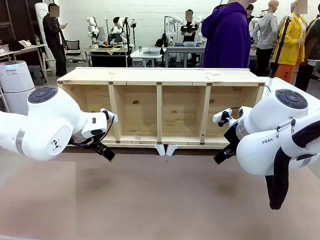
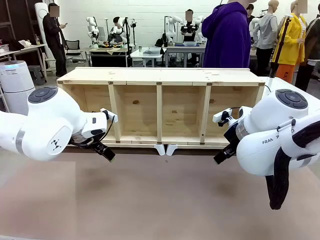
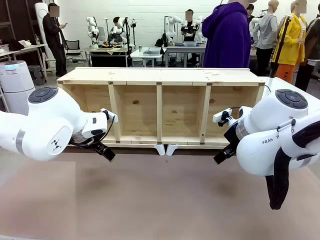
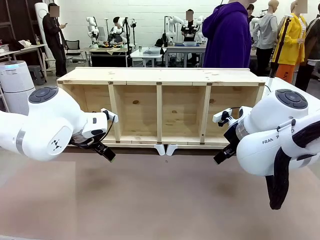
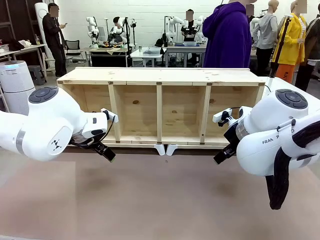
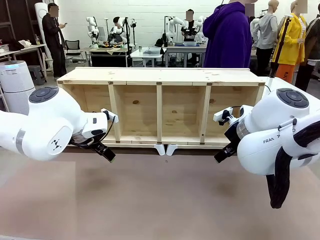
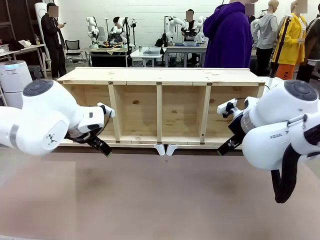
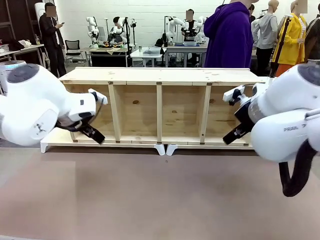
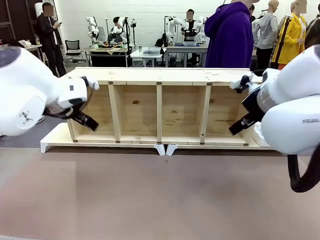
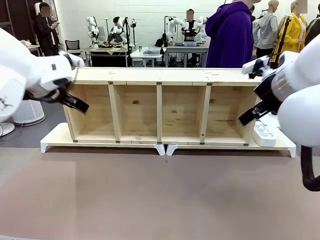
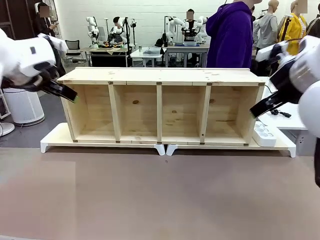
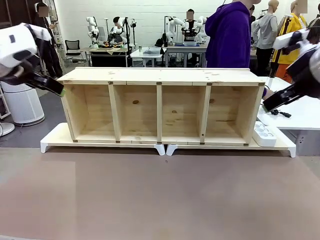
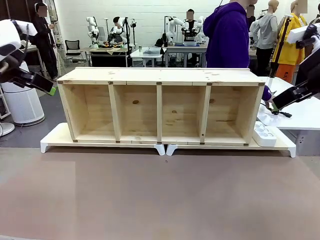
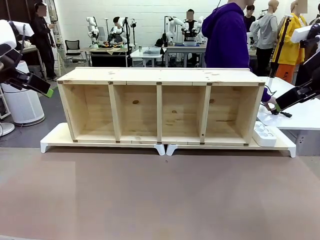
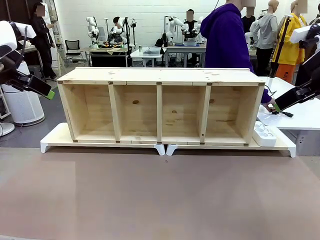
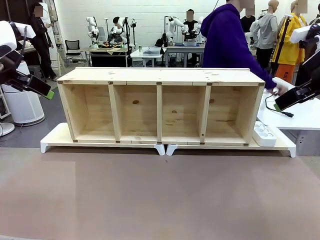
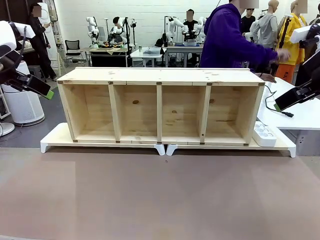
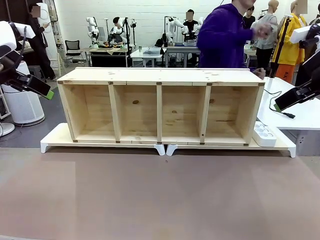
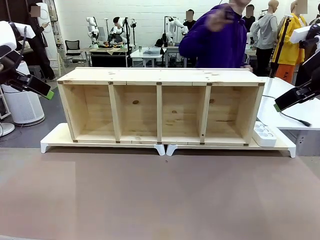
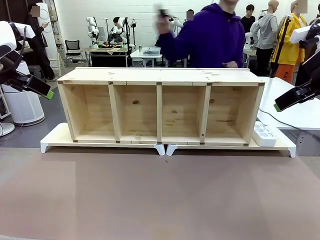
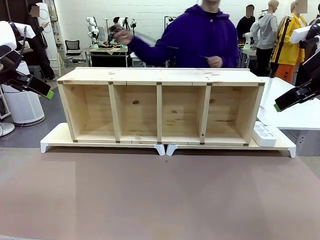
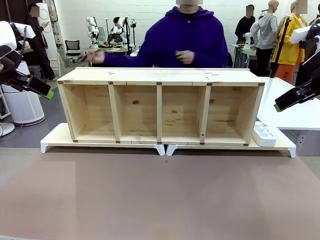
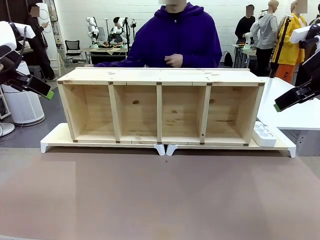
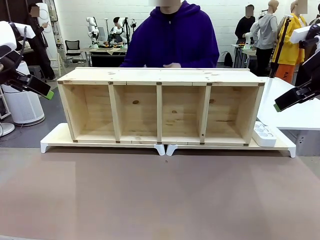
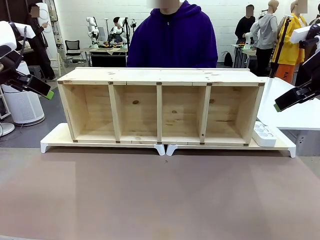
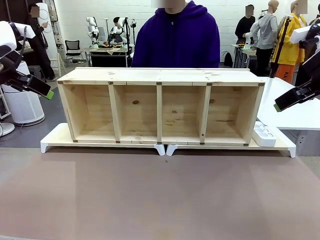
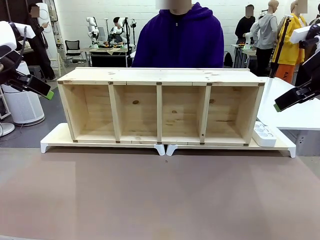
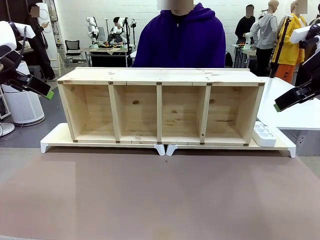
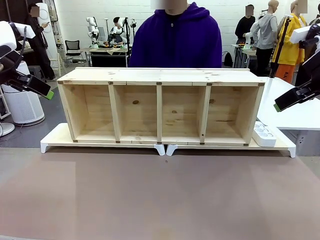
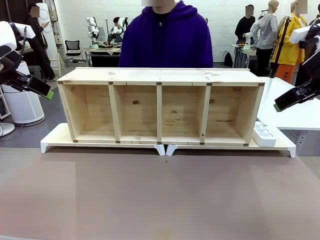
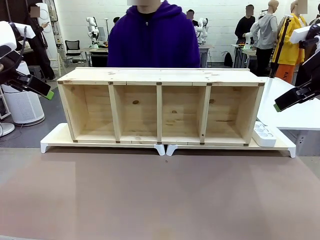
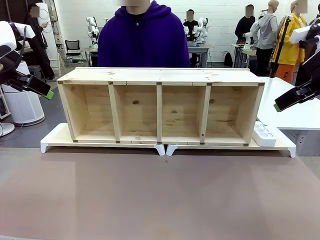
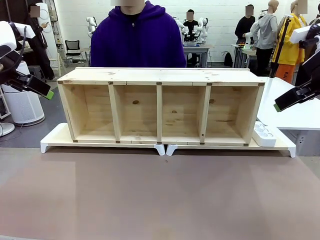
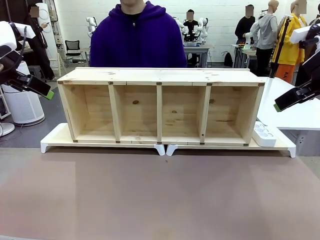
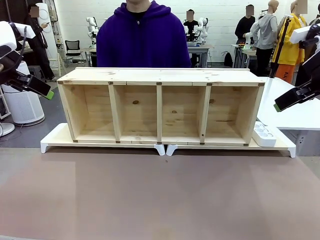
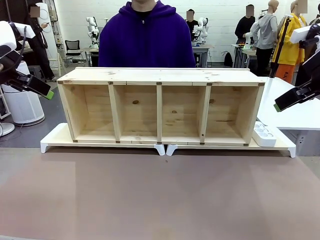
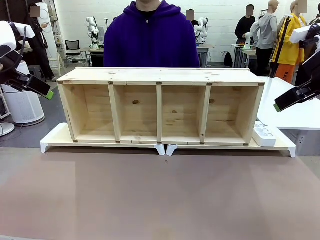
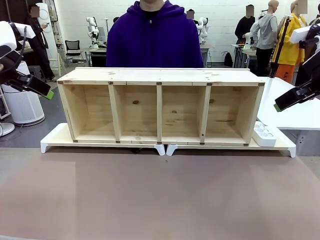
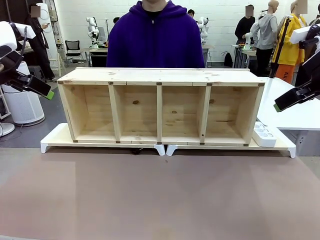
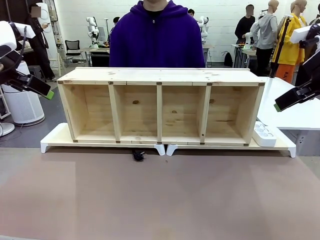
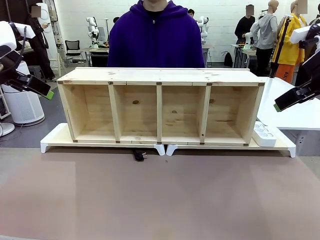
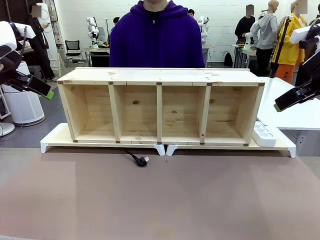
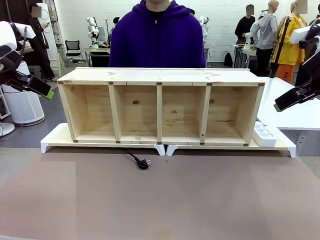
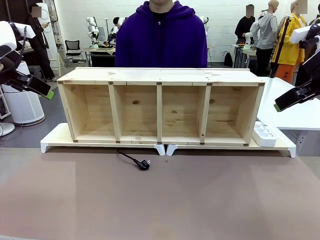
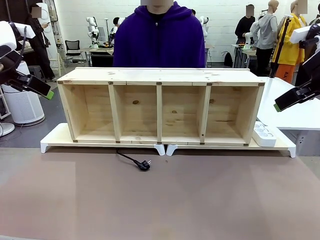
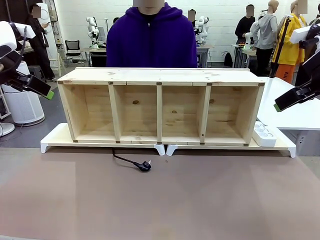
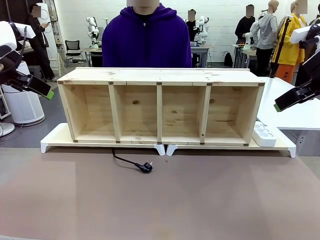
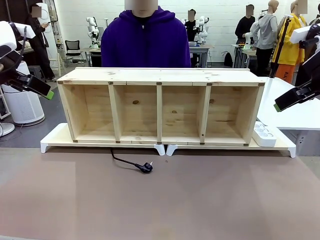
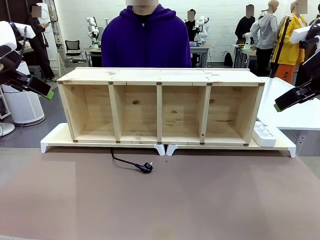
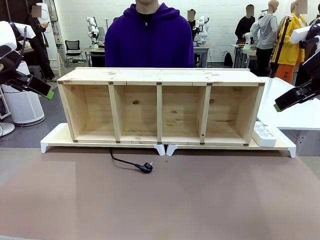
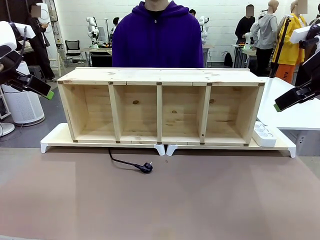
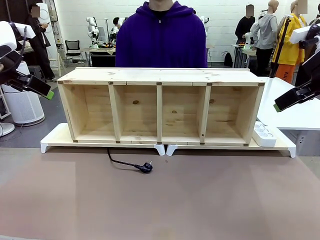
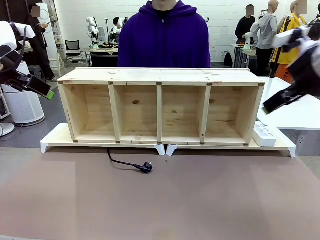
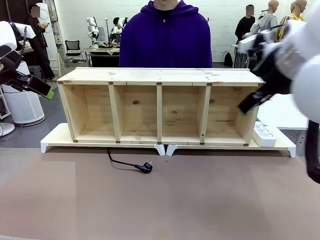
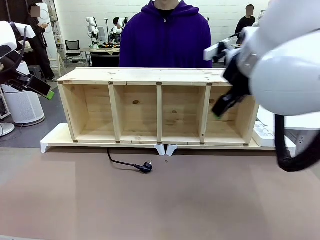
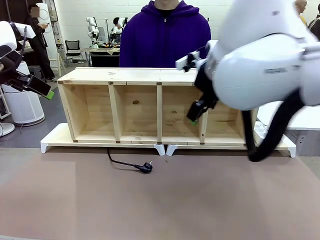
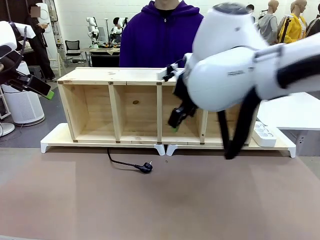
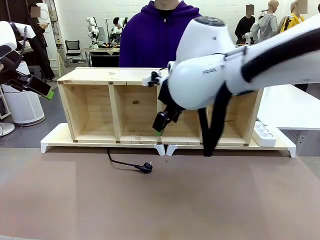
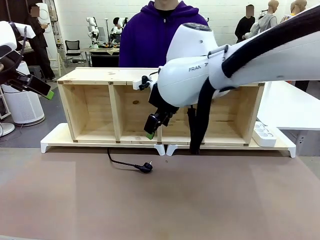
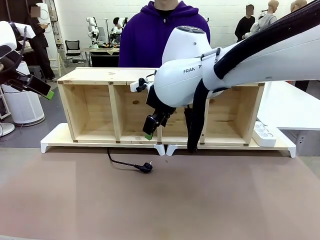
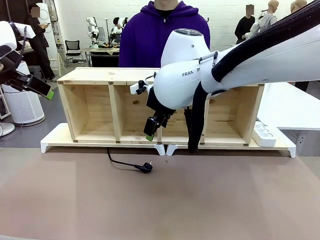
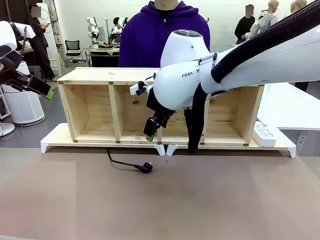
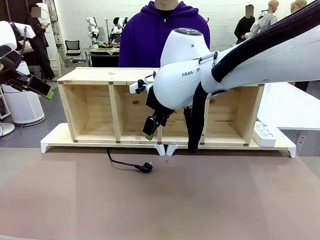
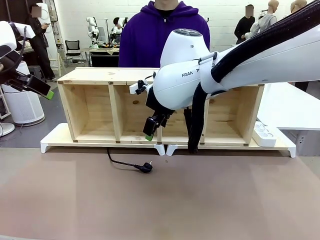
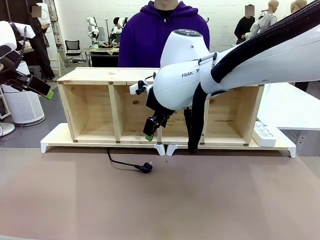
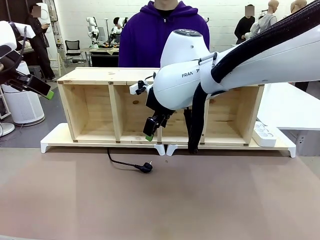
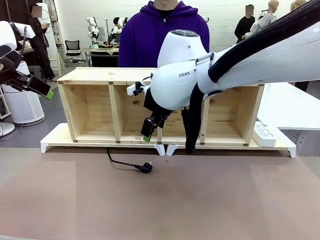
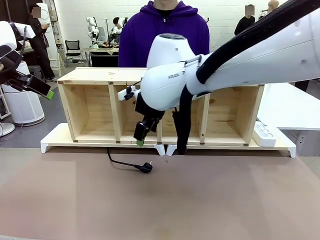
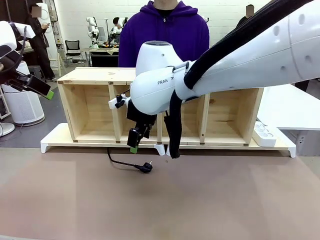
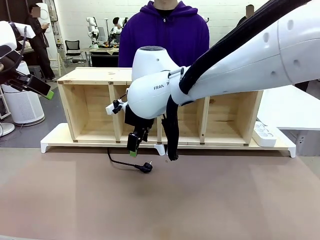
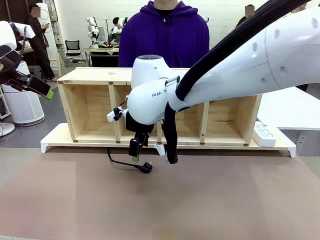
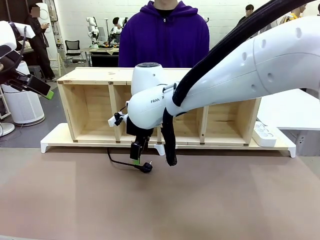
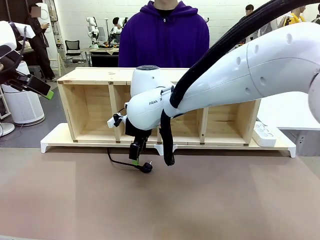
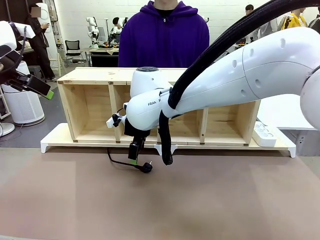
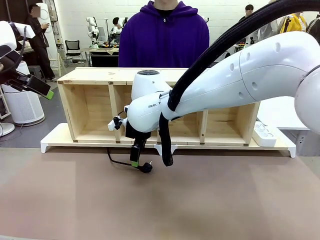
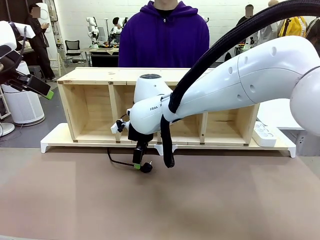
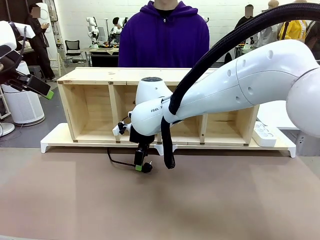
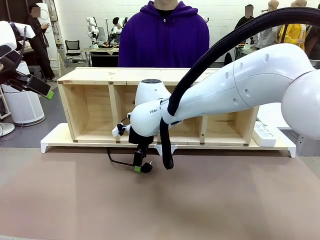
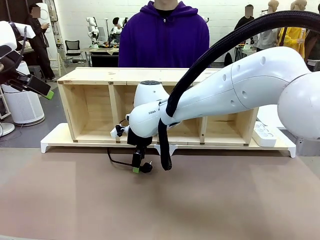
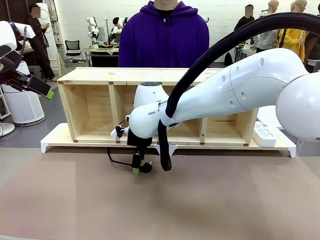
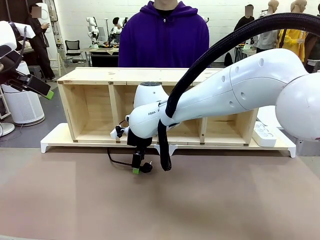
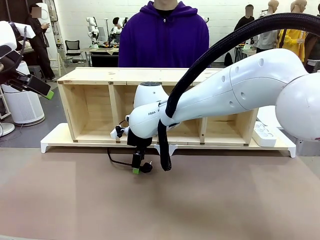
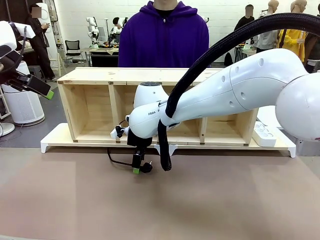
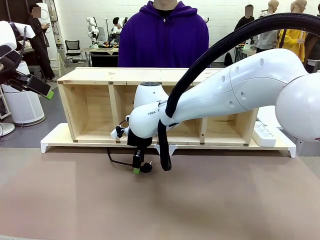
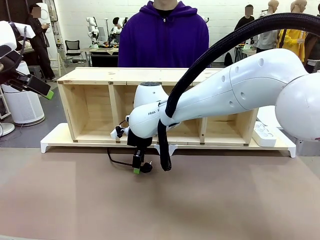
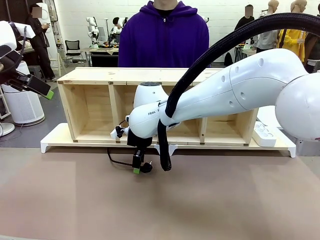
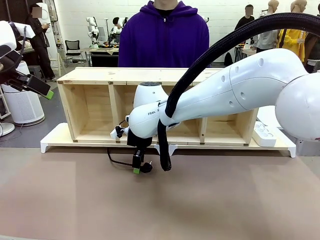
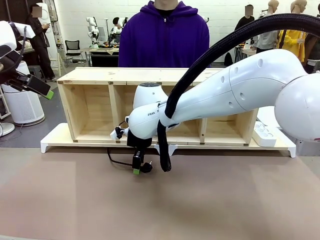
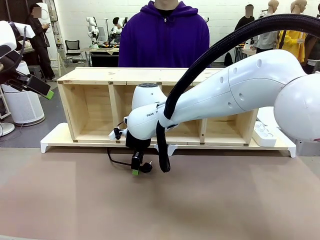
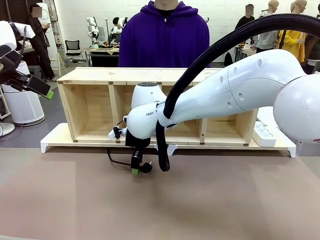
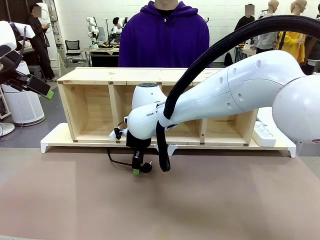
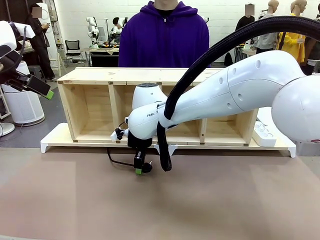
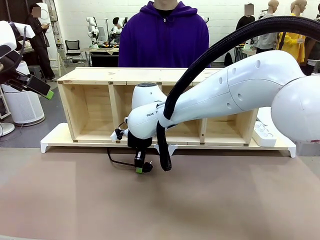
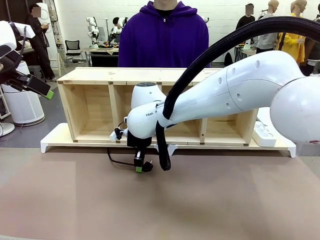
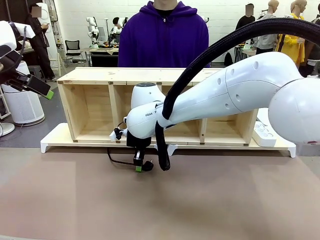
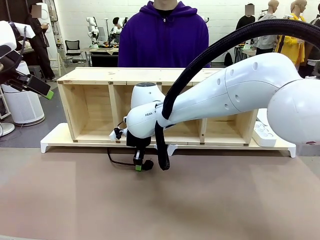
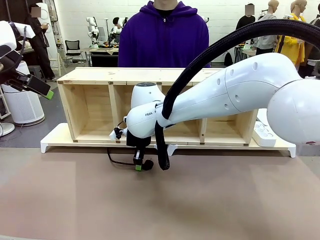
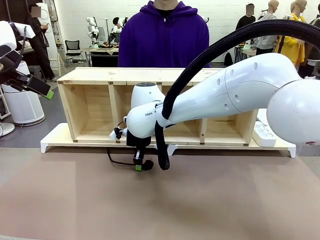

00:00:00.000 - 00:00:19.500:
Task: Perform cable management.
Robot: When the cord part of the Power Cable appears at the lower middle area of the table and stops, grasp the cord part of the Power Cable.
Person: Pass the Power Cable under the Serving Table.
